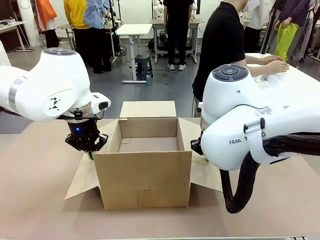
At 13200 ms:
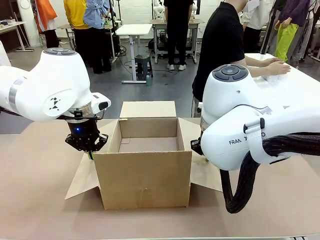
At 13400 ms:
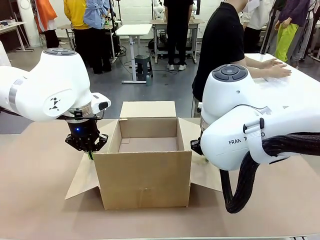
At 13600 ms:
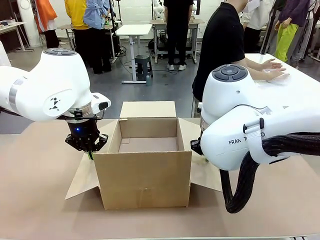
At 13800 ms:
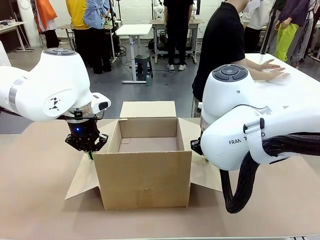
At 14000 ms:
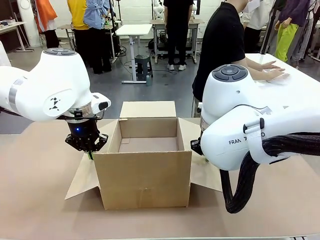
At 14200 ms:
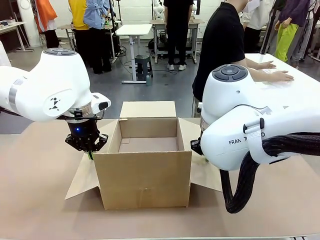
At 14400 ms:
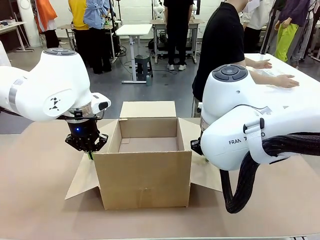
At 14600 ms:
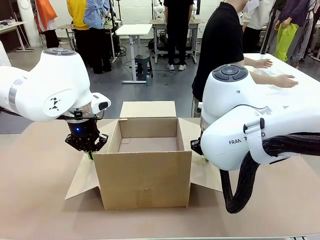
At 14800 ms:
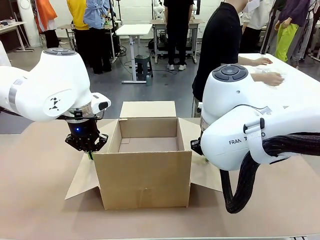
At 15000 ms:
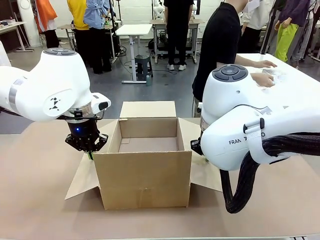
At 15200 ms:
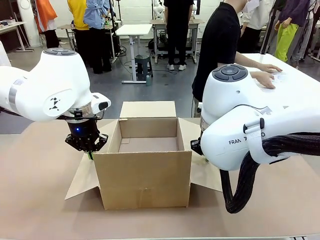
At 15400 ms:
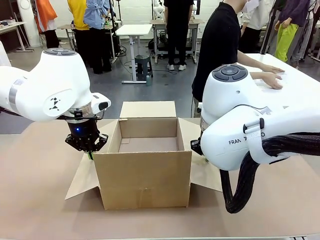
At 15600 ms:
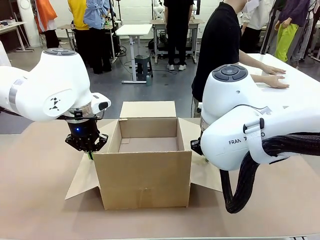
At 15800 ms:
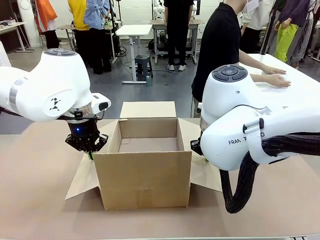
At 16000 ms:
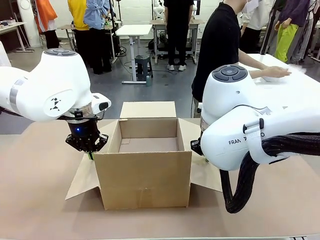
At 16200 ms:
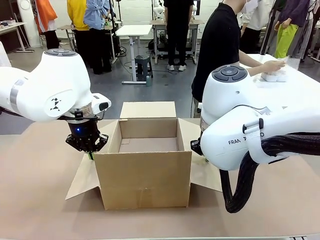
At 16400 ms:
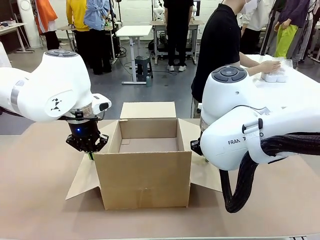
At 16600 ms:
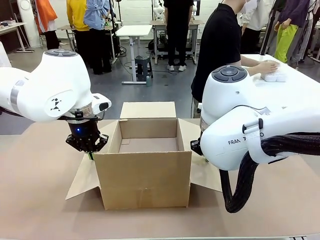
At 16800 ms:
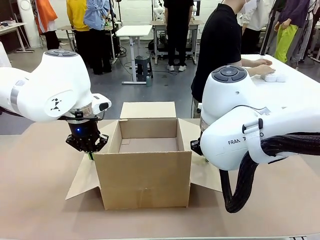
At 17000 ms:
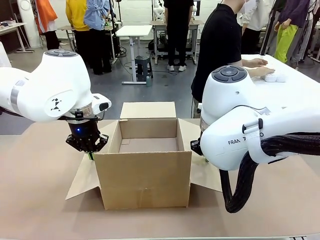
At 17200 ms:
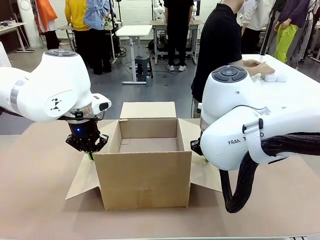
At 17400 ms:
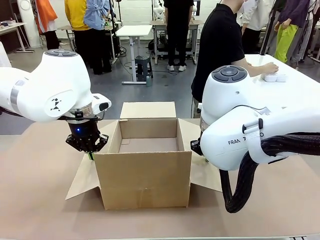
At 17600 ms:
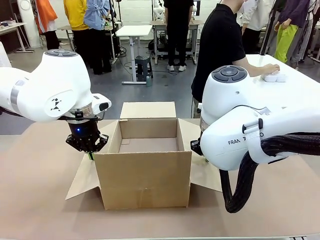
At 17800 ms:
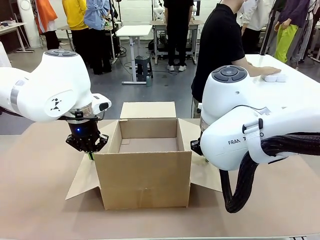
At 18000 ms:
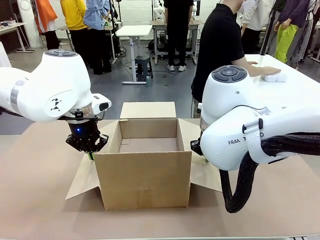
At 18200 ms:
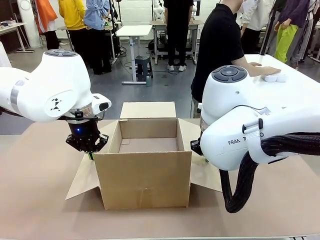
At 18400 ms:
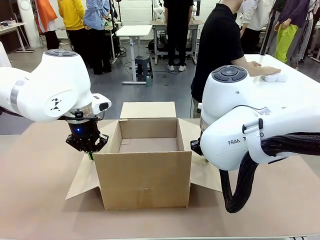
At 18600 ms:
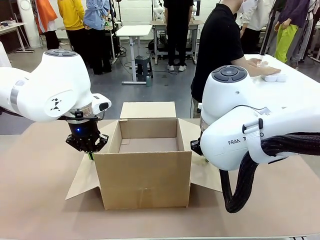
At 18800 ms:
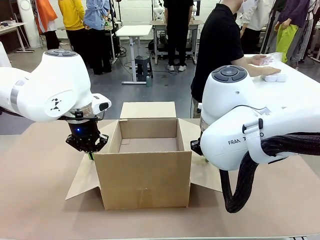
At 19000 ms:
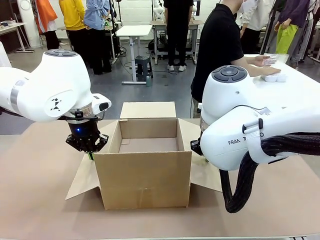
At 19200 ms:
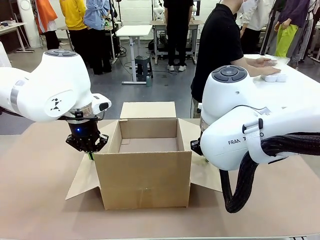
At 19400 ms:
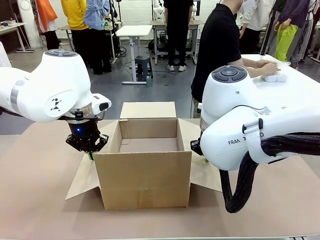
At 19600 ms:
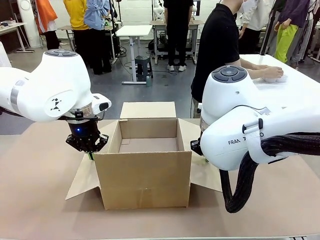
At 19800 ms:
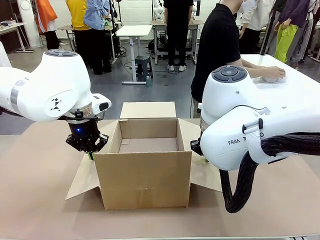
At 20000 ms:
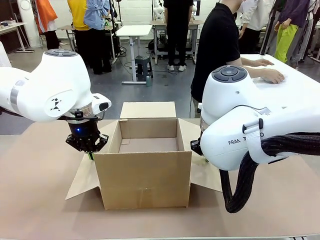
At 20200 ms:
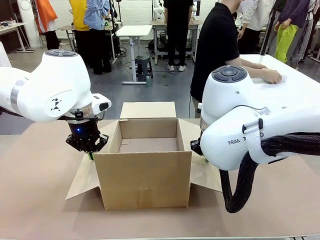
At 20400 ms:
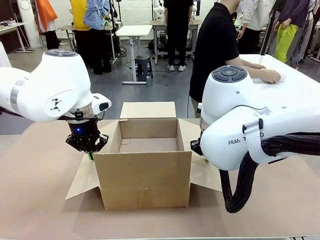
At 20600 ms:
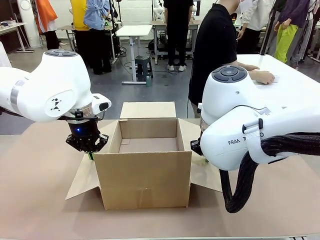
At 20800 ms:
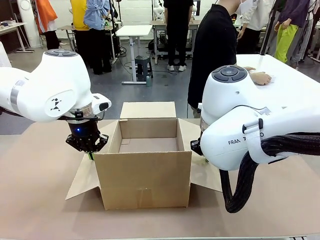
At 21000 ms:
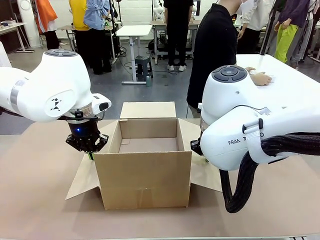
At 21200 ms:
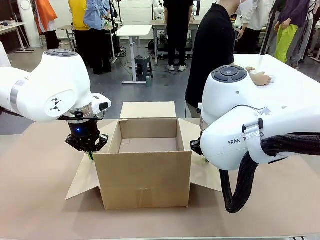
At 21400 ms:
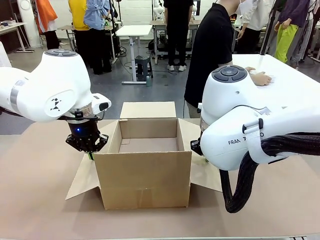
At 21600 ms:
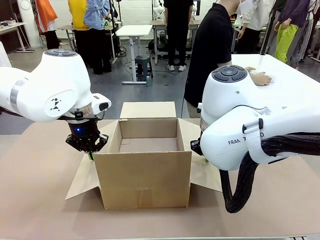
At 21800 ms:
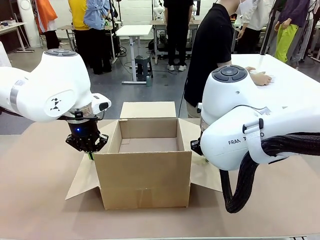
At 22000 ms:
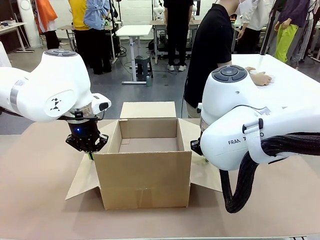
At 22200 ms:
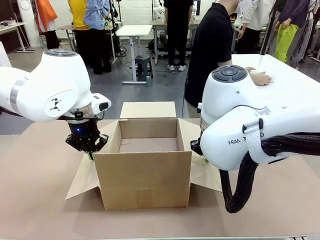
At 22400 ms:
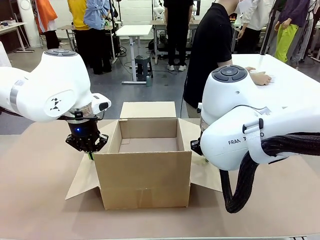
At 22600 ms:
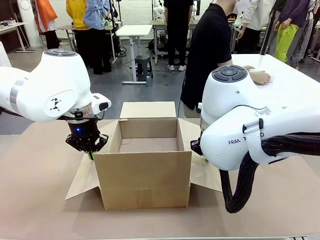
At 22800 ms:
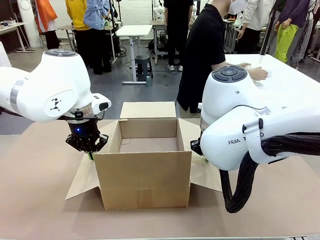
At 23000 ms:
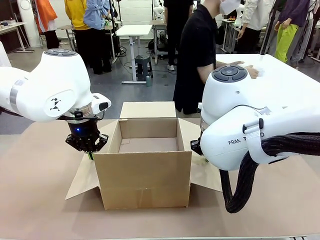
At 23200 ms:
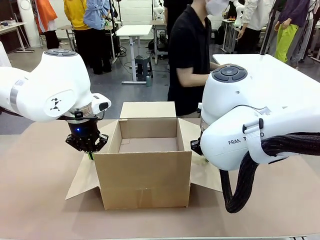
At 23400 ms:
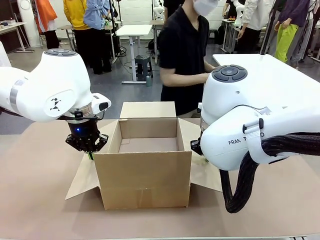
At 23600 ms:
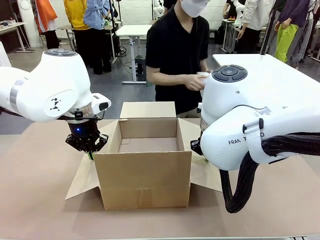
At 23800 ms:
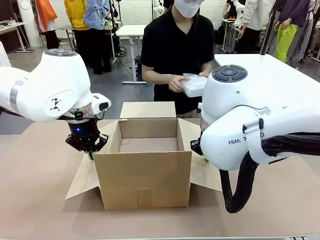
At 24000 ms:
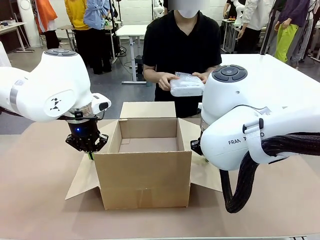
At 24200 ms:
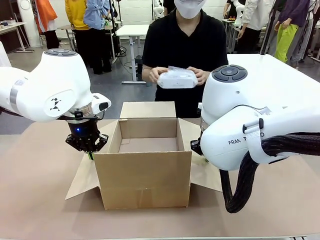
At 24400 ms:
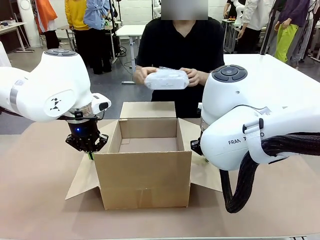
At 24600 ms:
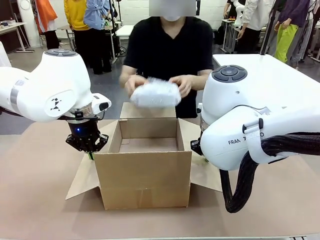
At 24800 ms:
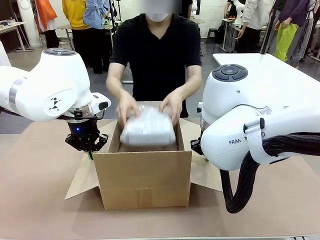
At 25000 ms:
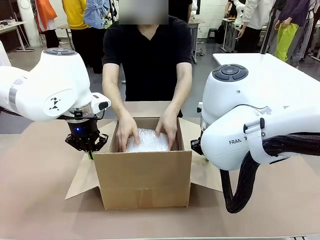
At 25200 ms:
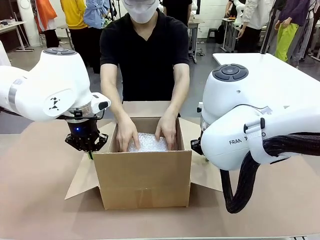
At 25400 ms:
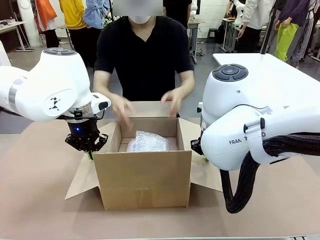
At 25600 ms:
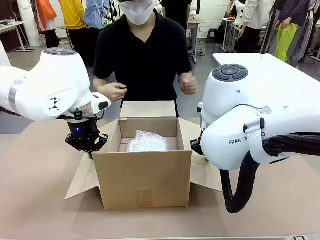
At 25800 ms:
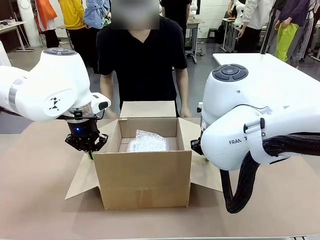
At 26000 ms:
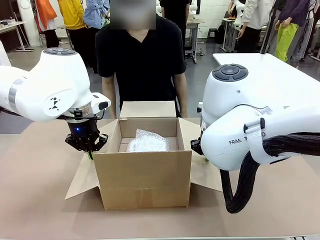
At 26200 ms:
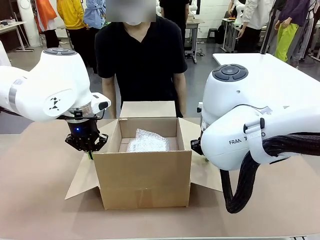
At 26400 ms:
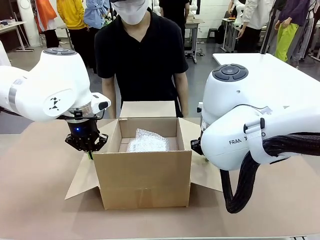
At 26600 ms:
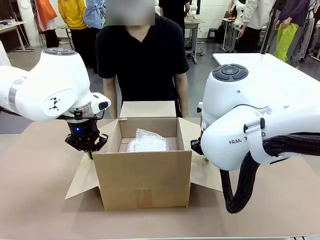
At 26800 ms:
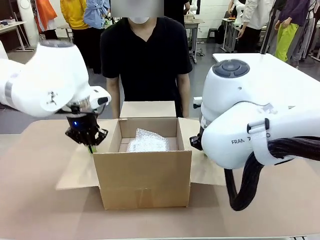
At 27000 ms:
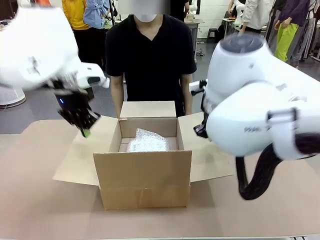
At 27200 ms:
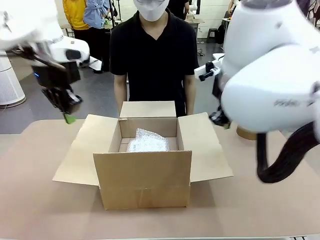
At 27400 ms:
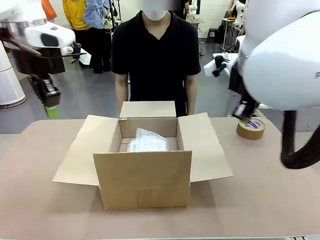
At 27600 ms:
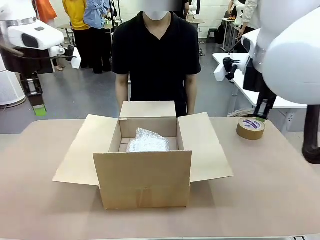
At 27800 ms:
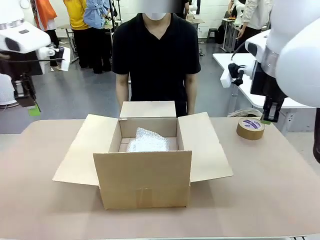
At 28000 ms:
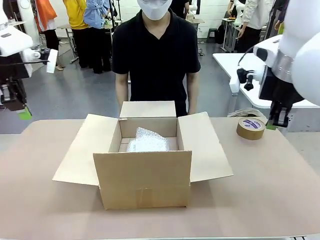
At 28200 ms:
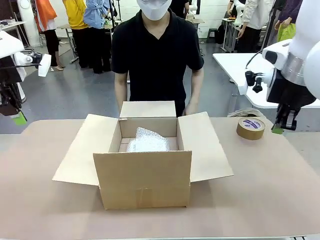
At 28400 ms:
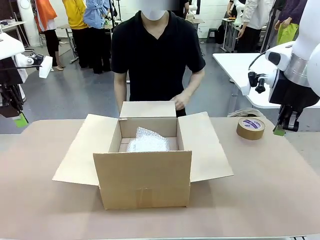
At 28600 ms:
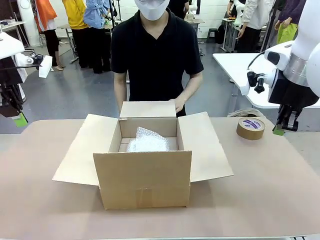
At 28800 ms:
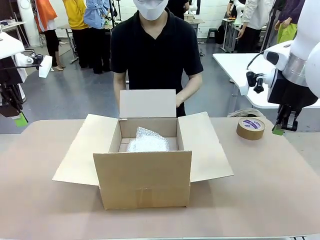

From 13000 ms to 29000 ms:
Task: Wrap the clocks to prevent damage.
Robot: Once the human has placed the objects inside and stepped back, release both hands from the side flaps of the Package Box.
Person: Place the wrapped Digital clocks inside the Package Box. Hold the top and bottom flaps of the Package Box closed with your left (or right) hand.

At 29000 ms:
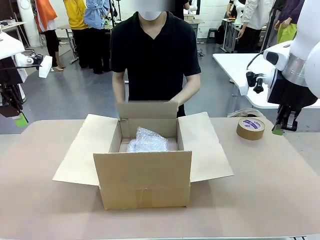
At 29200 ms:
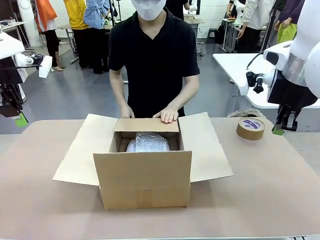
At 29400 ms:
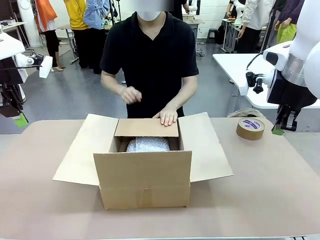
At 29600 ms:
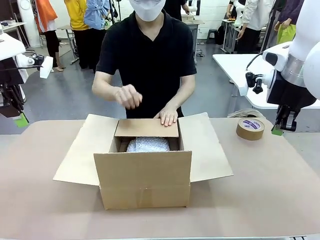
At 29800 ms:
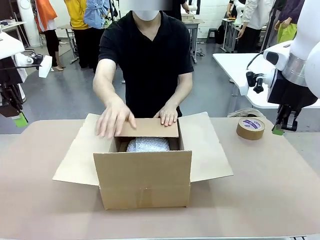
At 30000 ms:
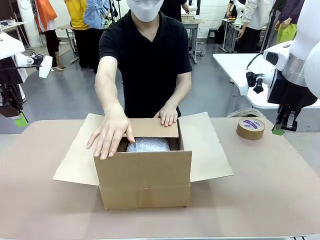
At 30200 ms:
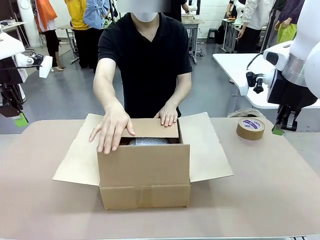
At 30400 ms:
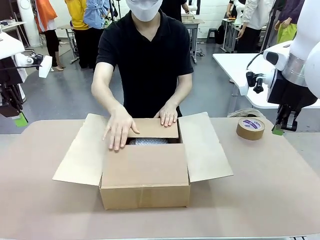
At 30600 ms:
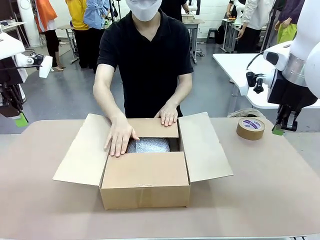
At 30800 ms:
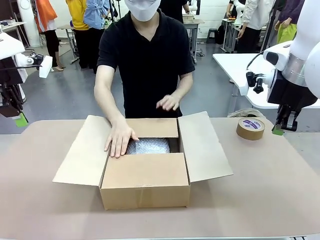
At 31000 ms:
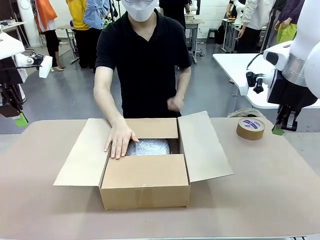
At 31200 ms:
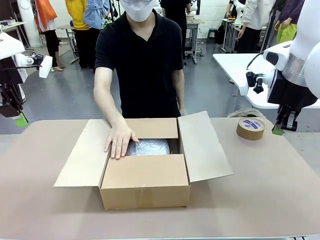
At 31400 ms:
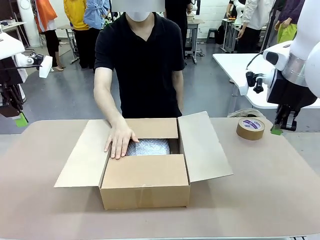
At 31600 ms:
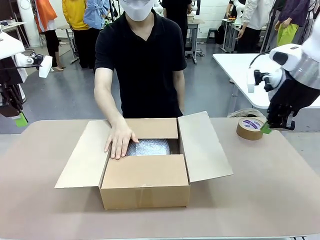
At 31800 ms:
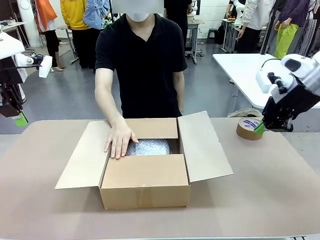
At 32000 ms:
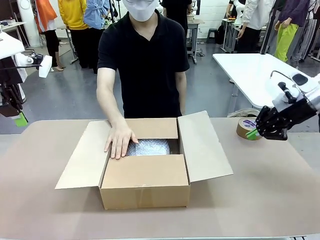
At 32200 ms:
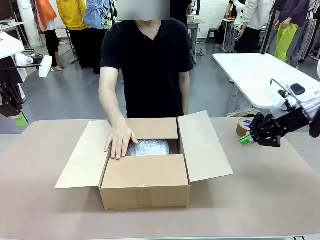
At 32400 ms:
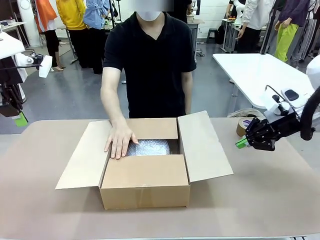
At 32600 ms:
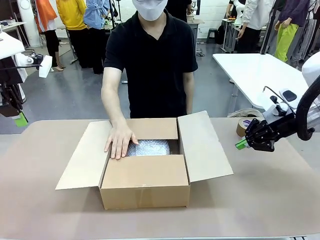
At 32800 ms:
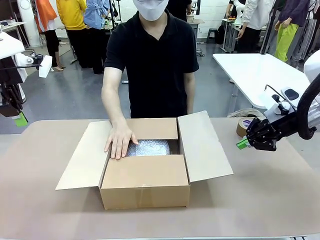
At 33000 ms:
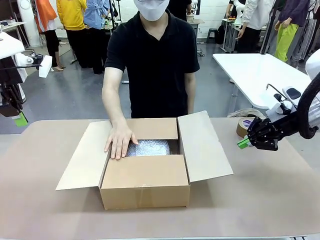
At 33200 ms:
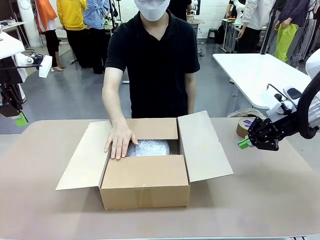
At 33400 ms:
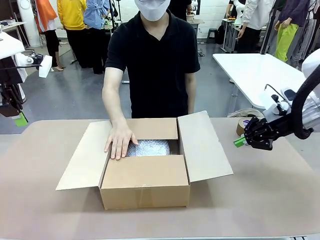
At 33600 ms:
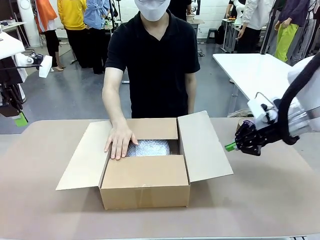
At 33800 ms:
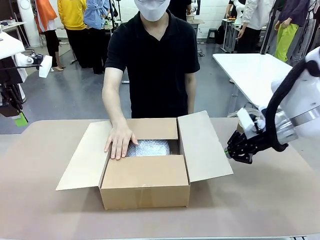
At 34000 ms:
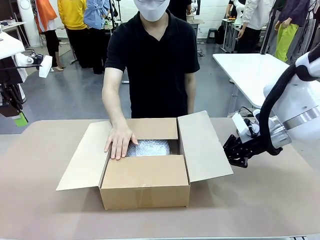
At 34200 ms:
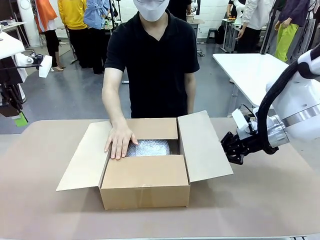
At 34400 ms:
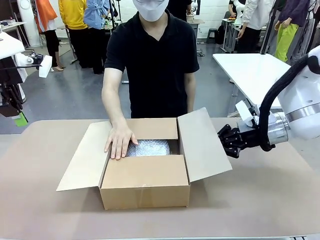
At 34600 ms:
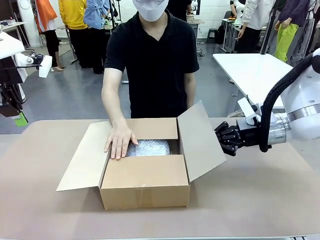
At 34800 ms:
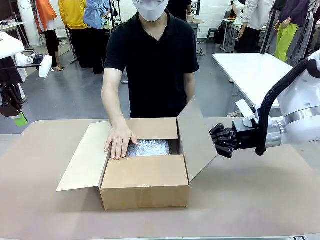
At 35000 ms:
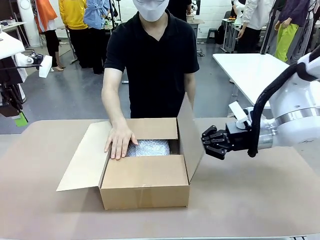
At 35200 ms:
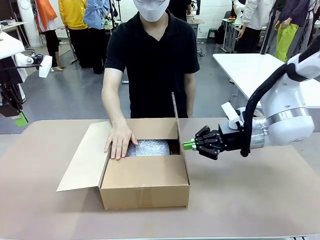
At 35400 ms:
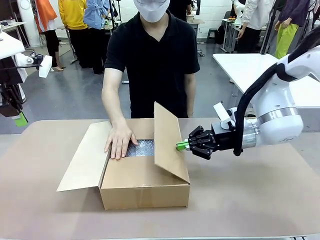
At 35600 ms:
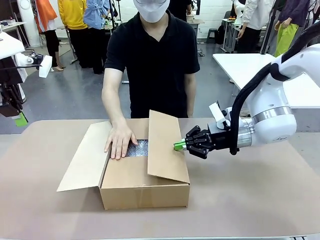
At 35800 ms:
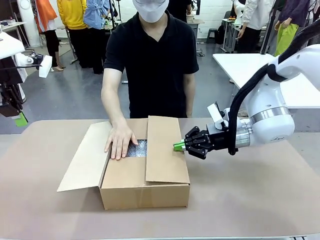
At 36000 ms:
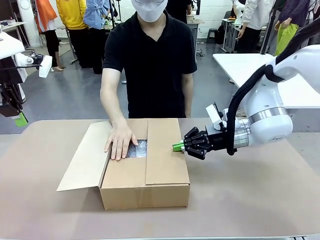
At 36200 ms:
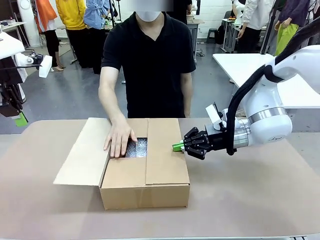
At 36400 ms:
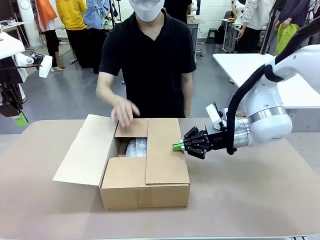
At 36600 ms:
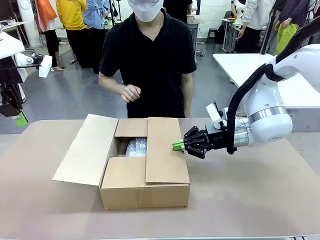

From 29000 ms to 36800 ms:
Robot: Push the right (or left) flap of the Package Box to close it.
Person: Once the robot closes the right flap of the Package Box , release your left hand from the box.
